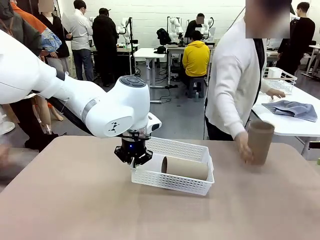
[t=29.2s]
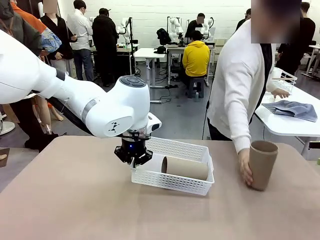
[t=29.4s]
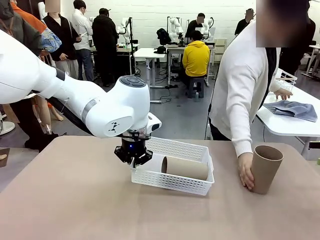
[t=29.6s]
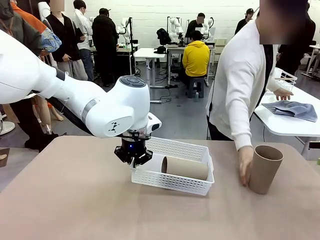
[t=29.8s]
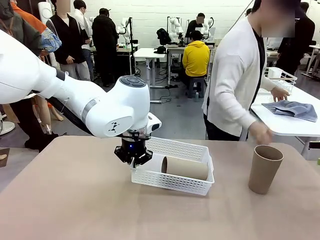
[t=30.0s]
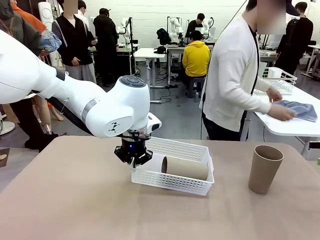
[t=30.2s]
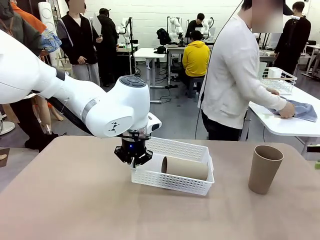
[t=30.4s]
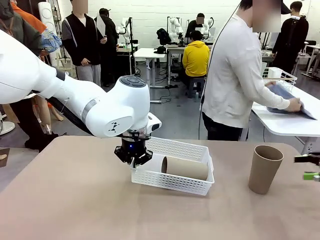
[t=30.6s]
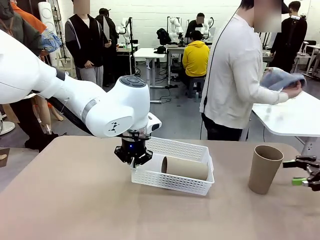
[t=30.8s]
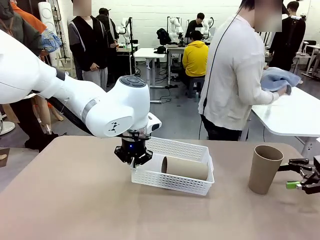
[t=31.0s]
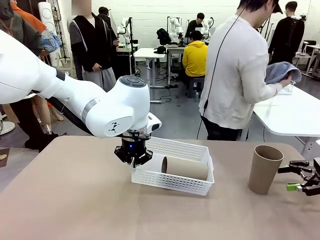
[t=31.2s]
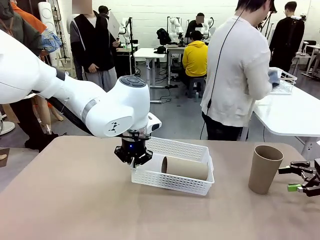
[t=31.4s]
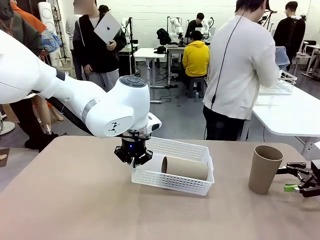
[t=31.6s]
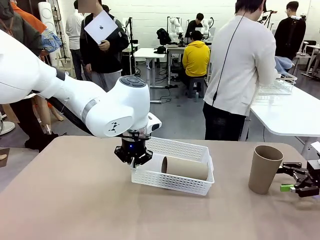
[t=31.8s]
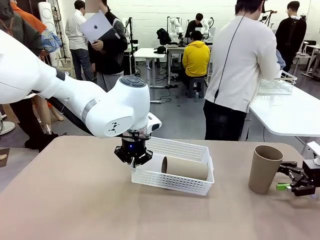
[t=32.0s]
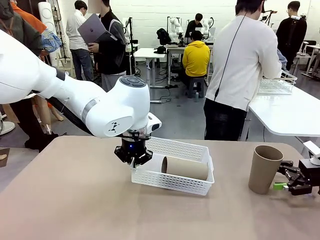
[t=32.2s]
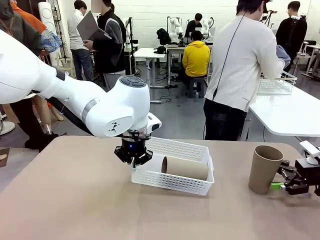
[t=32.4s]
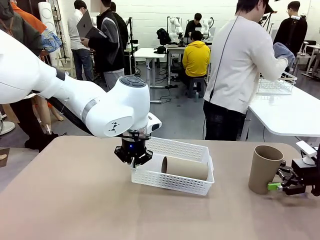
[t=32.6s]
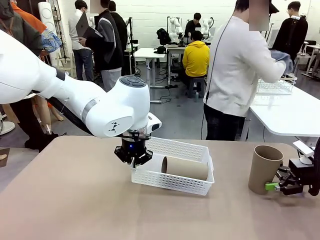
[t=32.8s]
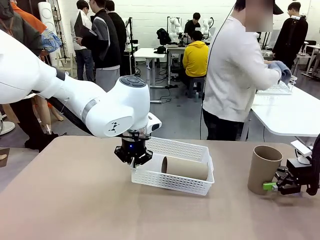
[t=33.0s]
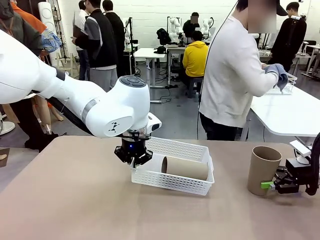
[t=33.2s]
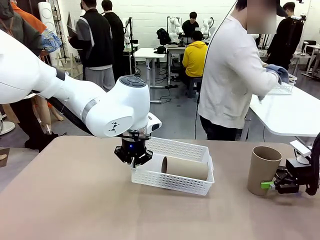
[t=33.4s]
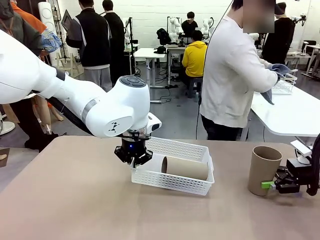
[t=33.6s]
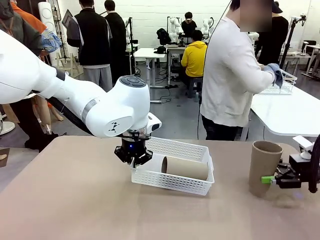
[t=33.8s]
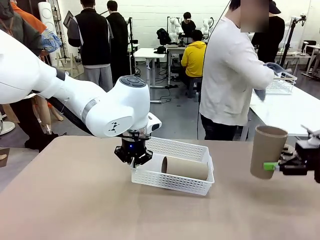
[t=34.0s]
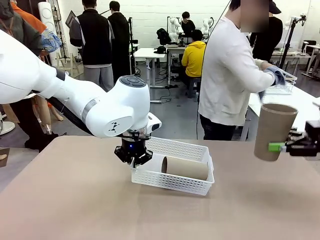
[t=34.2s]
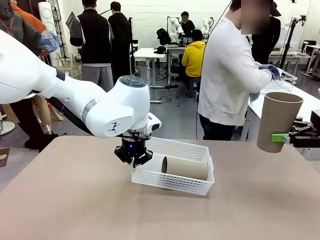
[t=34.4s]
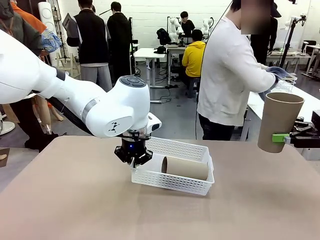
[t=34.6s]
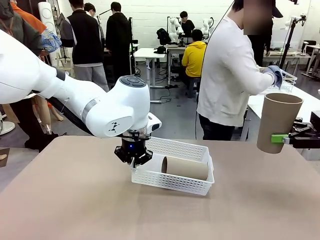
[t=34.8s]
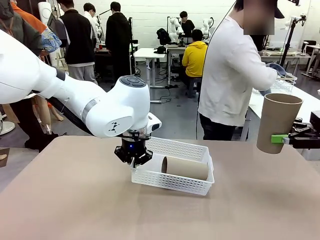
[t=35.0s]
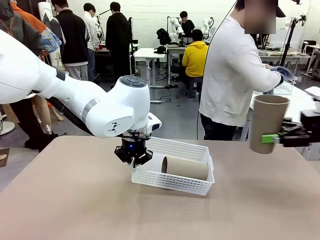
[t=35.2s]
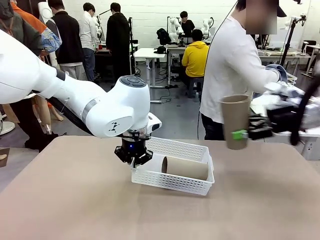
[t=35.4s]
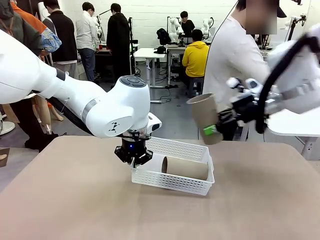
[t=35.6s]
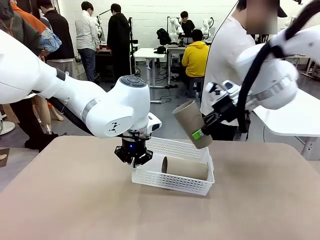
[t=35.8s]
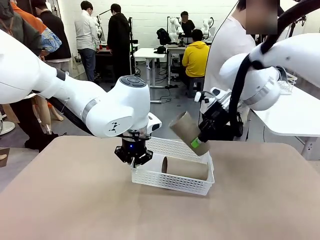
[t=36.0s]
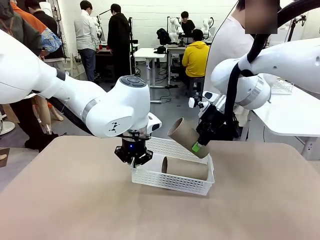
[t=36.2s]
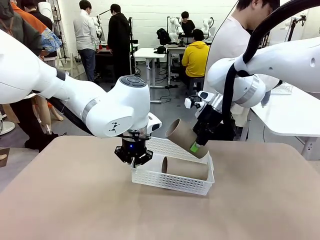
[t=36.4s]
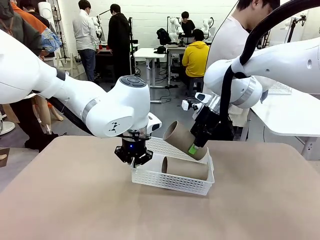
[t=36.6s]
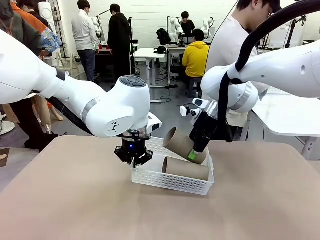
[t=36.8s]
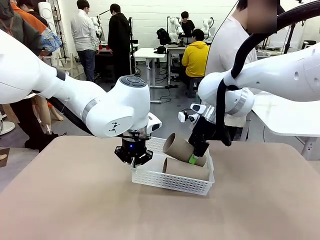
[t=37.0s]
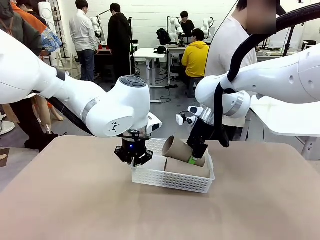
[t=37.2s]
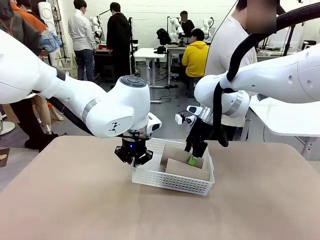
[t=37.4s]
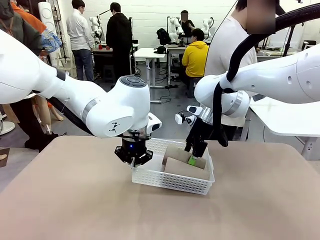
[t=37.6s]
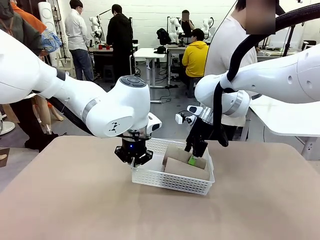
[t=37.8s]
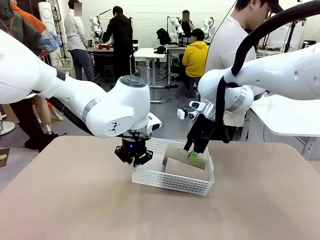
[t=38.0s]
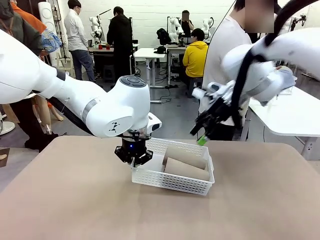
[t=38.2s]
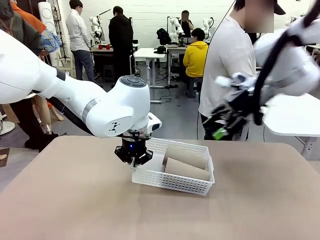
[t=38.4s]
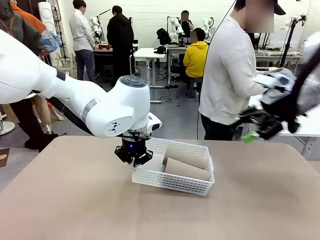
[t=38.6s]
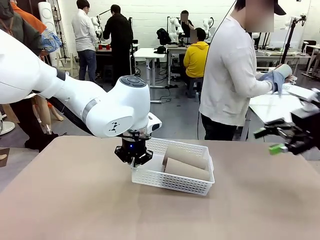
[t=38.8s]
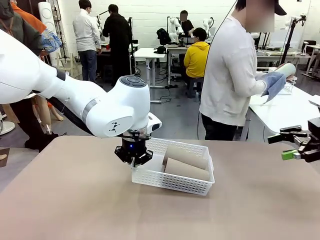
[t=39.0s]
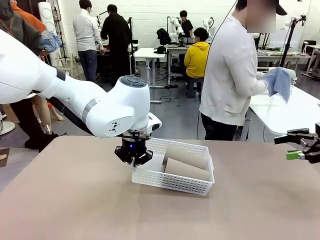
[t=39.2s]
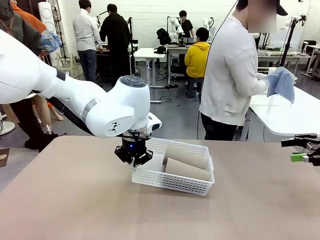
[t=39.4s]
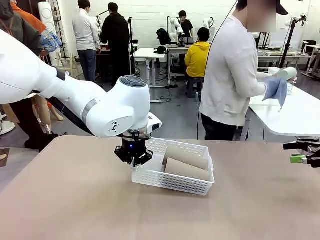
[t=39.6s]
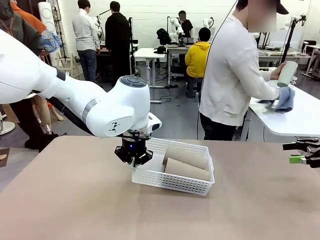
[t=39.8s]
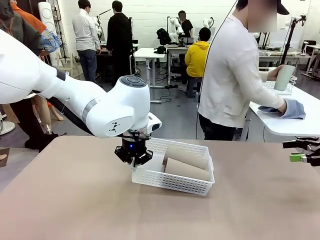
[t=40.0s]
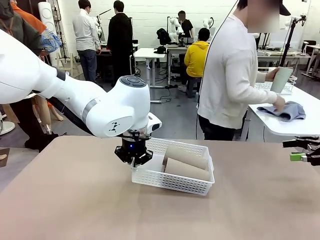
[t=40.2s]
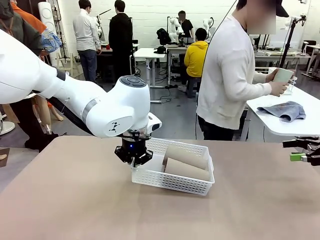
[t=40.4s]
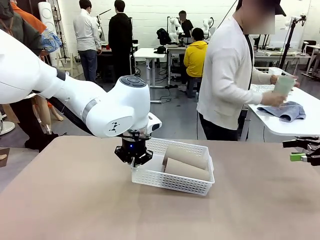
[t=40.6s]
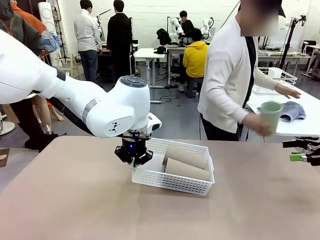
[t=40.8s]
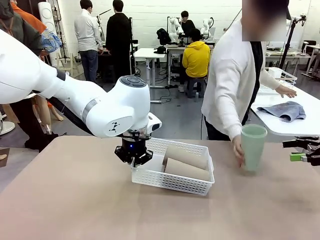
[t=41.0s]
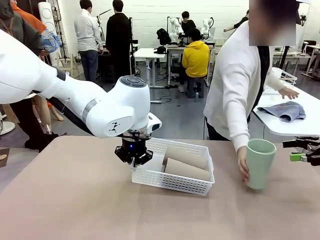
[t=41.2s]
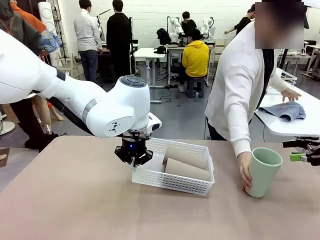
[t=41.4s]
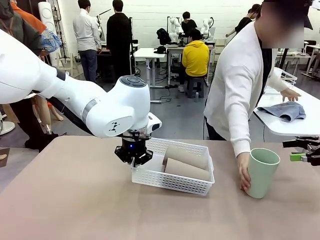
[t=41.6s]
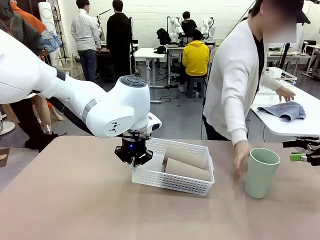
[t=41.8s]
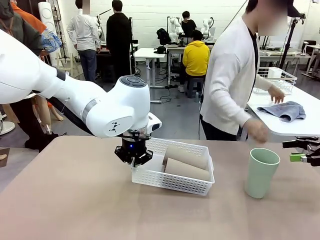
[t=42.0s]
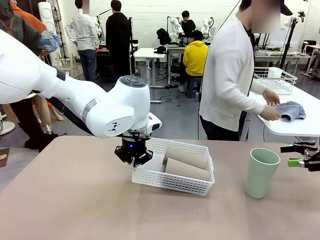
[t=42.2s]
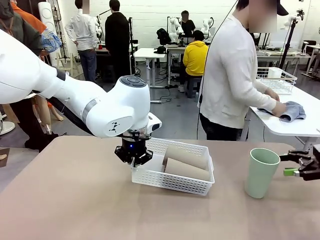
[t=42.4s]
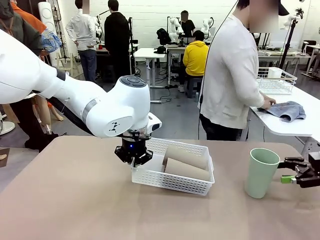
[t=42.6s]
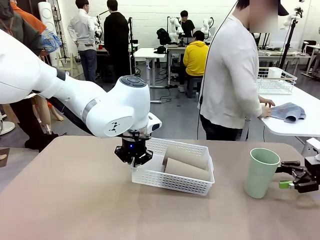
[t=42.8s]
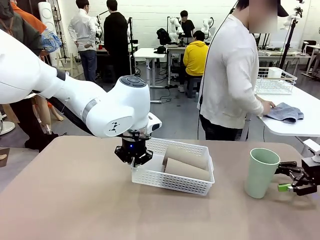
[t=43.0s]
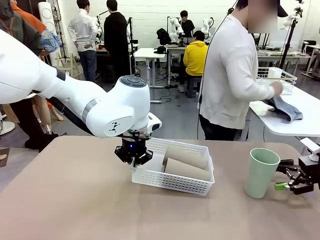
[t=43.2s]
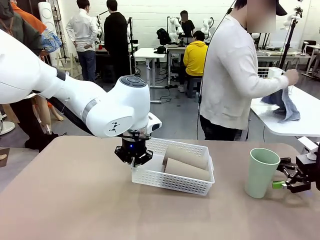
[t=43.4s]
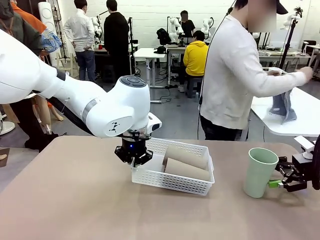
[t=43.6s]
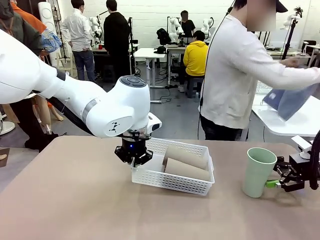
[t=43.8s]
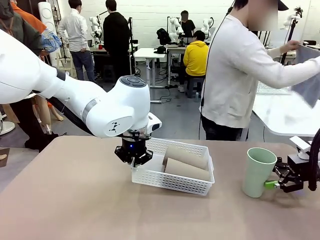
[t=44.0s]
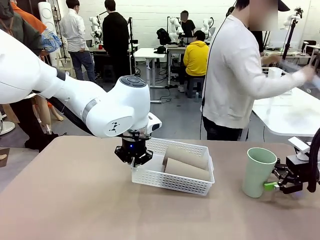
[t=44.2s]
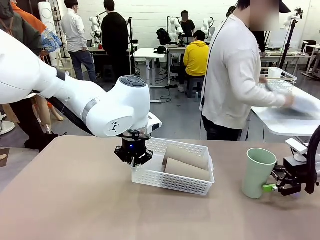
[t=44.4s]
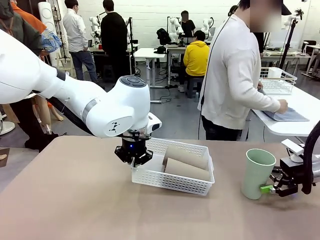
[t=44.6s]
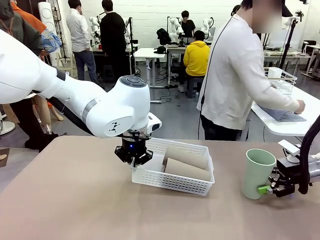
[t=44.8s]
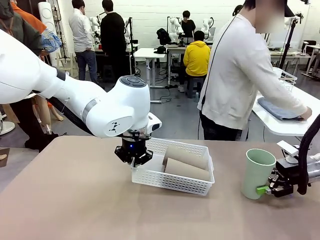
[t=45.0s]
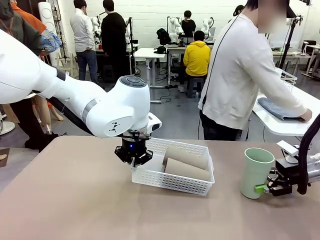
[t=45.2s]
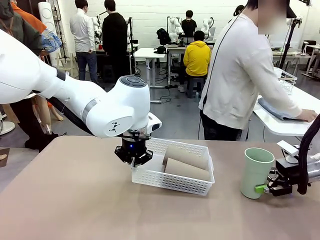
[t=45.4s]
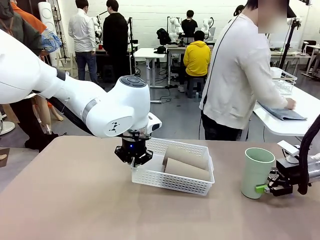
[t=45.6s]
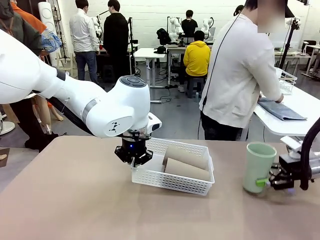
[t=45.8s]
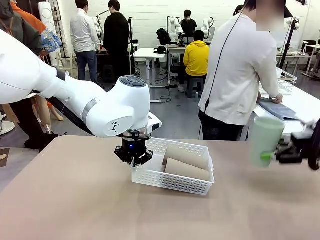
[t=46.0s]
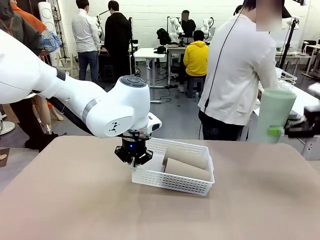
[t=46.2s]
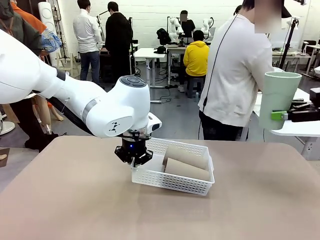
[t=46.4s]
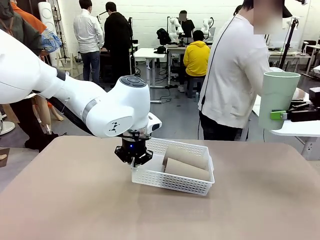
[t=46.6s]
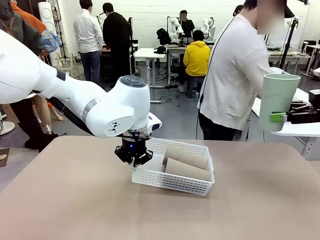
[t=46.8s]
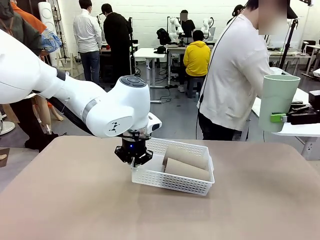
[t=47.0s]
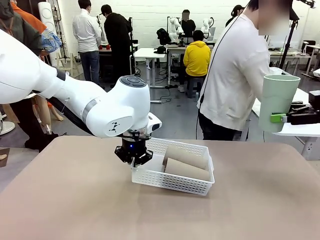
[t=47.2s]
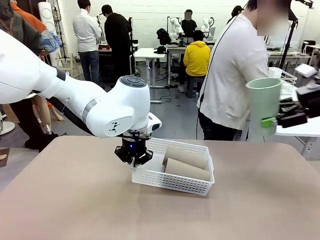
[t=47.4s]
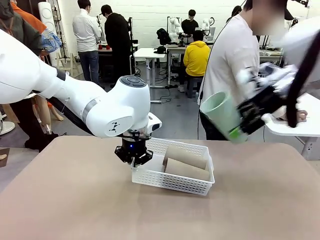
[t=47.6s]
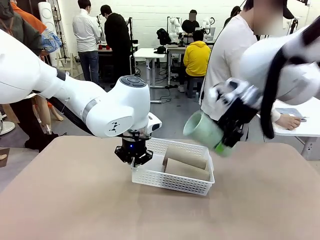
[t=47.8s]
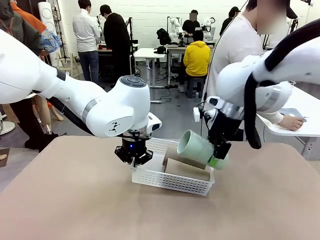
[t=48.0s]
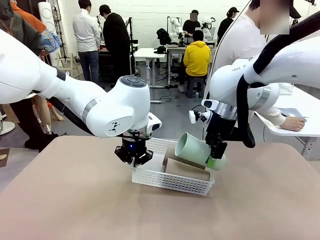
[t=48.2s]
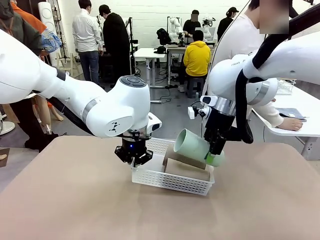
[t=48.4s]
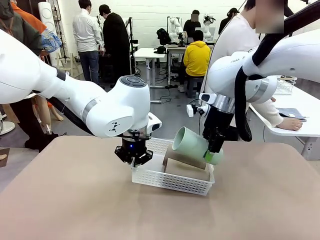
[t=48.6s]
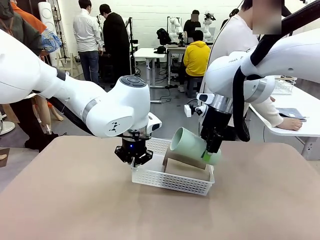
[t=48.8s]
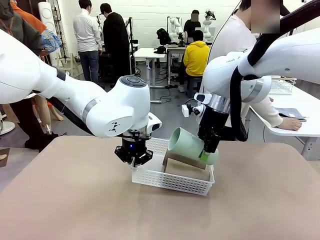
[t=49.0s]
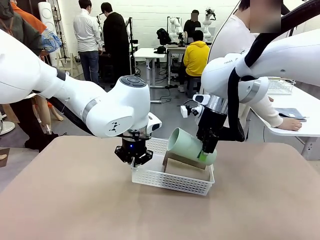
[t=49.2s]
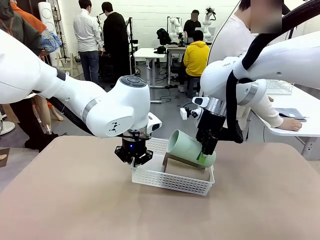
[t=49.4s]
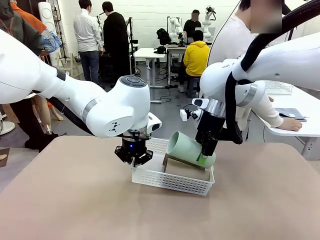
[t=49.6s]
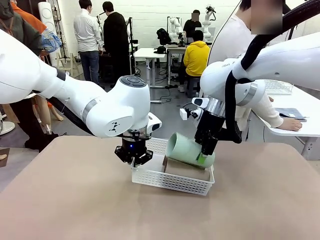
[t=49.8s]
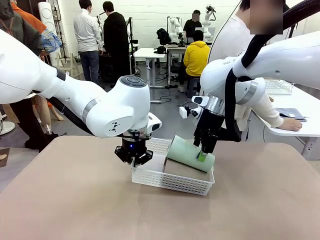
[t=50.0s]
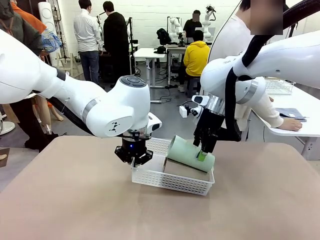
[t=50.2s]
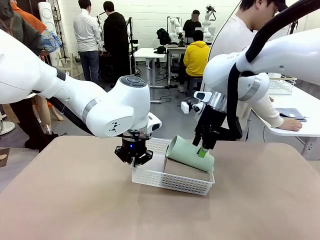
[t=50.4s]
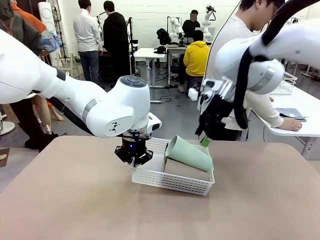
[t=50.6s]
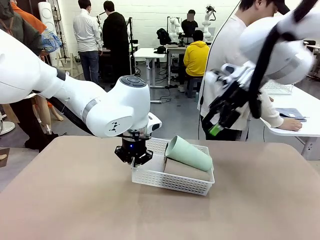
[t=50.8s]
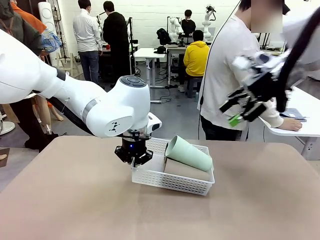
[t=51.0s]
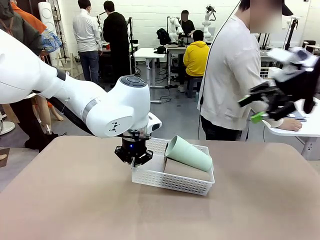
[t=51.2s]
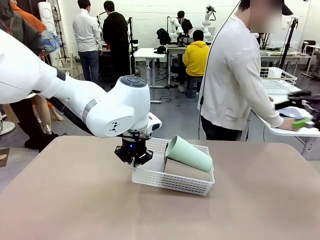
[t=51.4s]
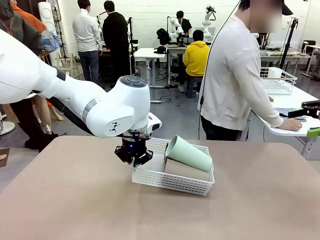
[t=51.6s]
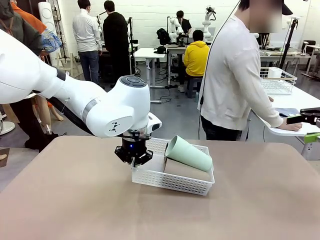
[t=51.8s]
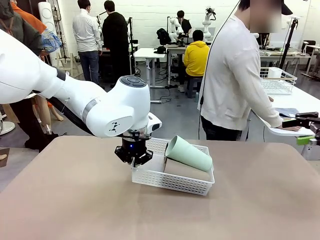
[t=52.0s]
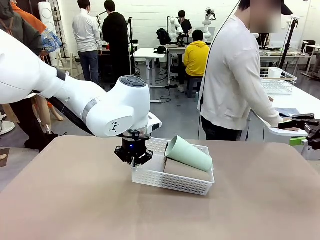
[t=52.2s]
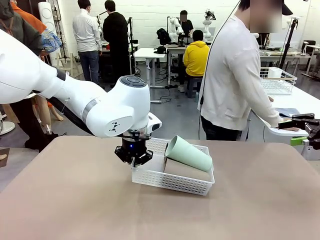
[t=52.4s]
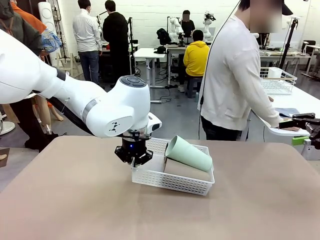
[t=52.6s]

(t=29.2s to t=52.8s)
Task: Clean and organize the cups into the basket.
Robot: Pick up the Reusable plastic cup from the right side of the table and stack it inside the Organizing basket in the center of the table.
Person: Folds the towel in half twice and places it in the right of the table.
